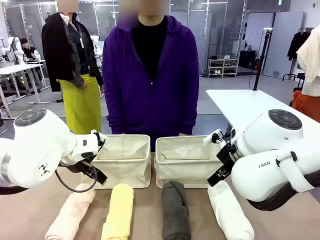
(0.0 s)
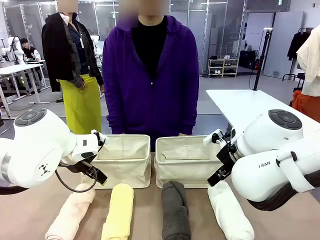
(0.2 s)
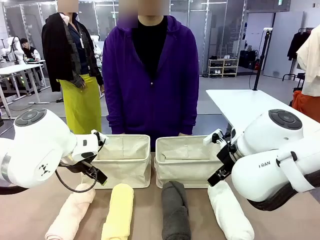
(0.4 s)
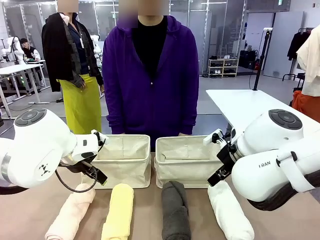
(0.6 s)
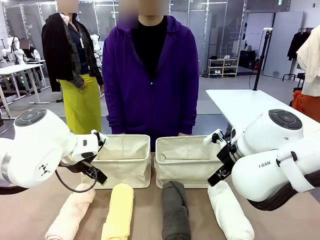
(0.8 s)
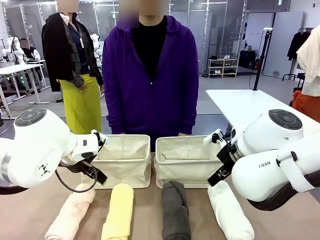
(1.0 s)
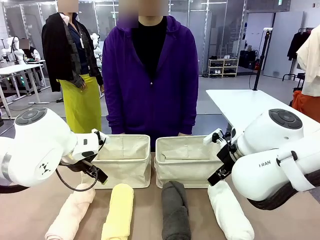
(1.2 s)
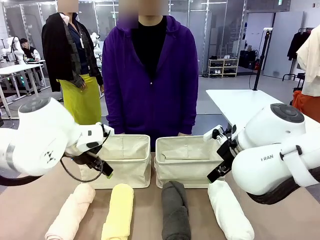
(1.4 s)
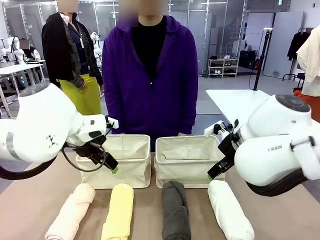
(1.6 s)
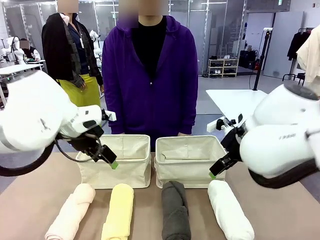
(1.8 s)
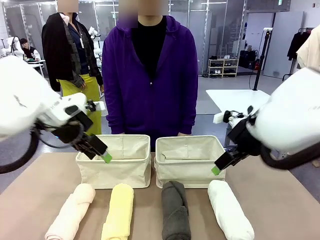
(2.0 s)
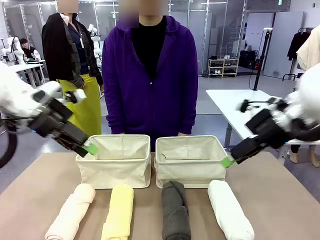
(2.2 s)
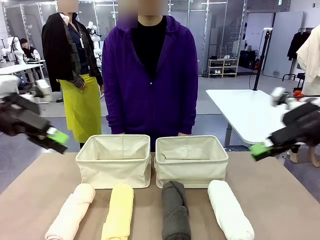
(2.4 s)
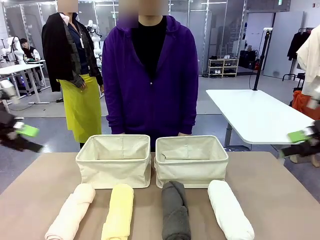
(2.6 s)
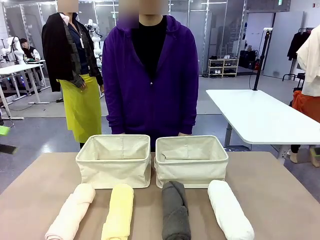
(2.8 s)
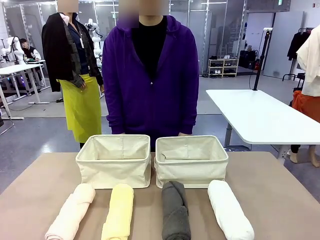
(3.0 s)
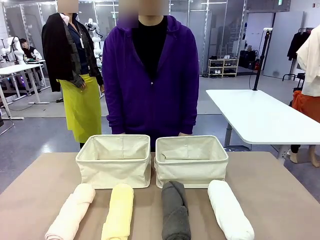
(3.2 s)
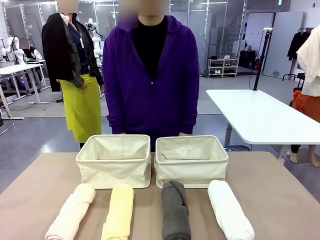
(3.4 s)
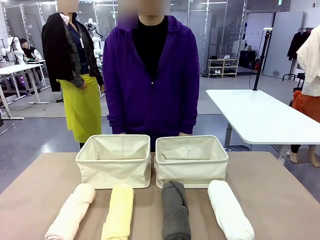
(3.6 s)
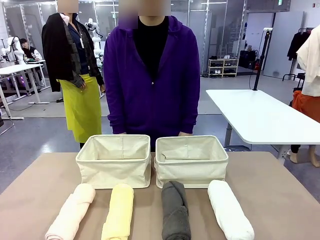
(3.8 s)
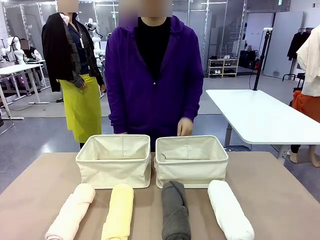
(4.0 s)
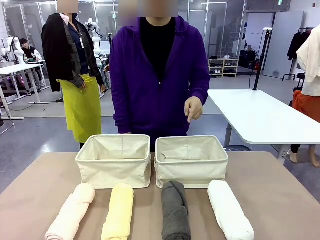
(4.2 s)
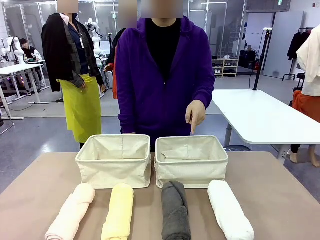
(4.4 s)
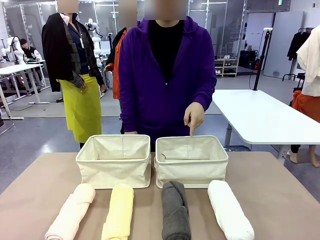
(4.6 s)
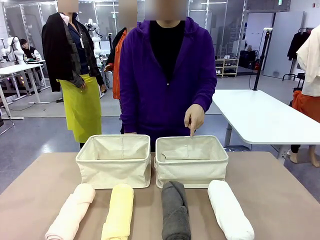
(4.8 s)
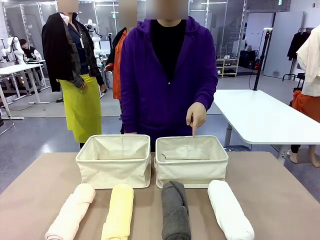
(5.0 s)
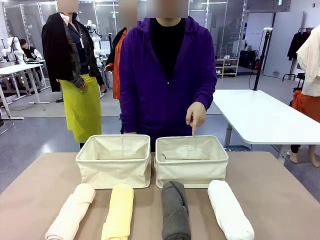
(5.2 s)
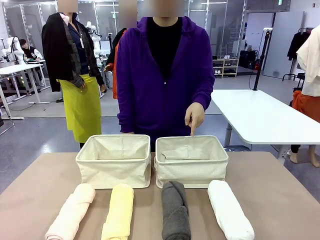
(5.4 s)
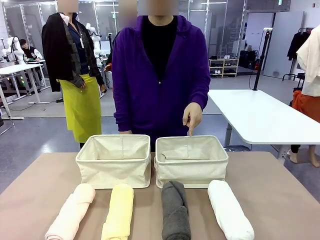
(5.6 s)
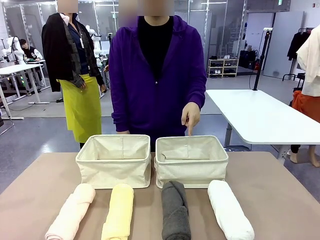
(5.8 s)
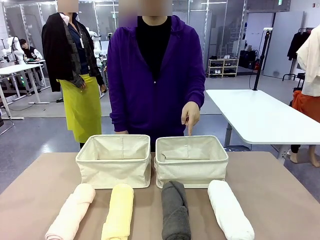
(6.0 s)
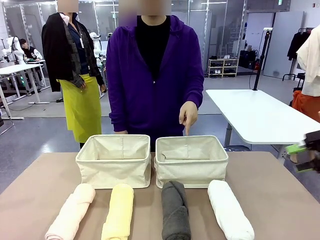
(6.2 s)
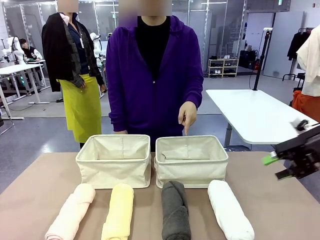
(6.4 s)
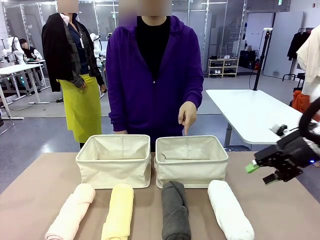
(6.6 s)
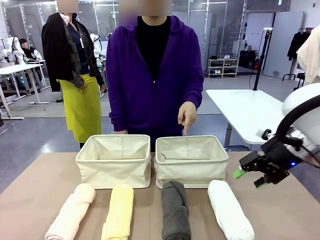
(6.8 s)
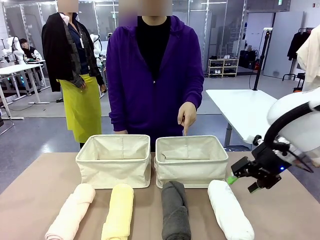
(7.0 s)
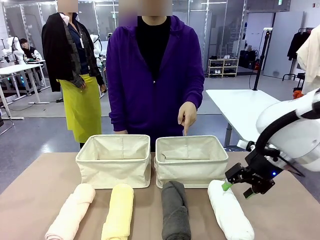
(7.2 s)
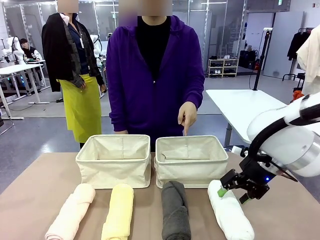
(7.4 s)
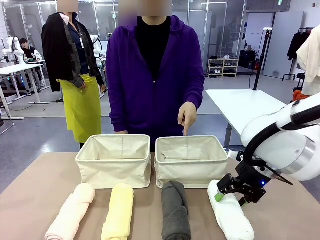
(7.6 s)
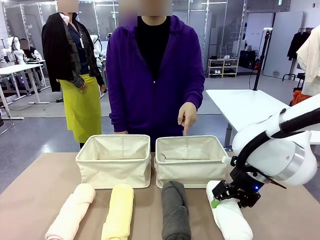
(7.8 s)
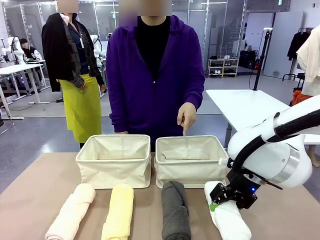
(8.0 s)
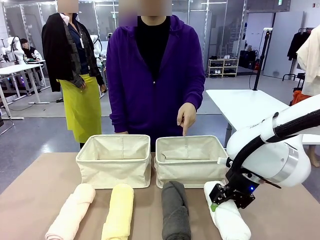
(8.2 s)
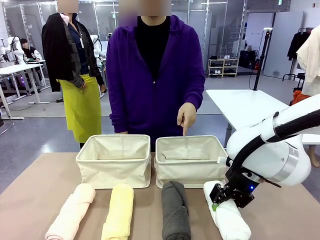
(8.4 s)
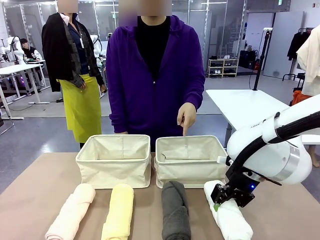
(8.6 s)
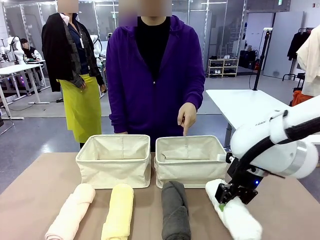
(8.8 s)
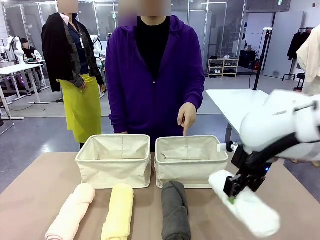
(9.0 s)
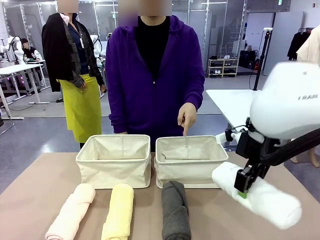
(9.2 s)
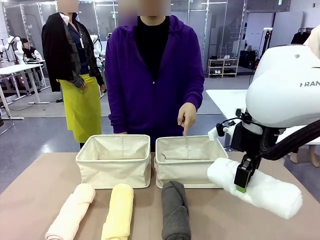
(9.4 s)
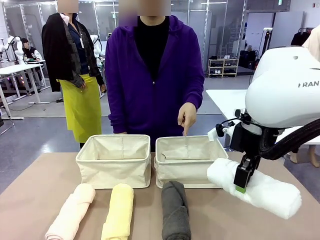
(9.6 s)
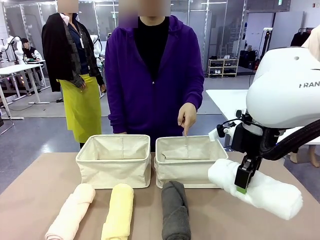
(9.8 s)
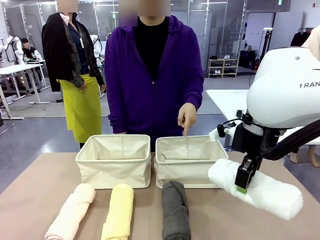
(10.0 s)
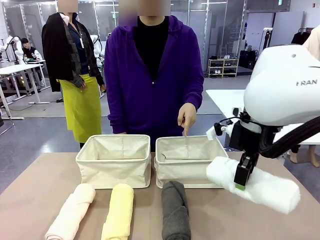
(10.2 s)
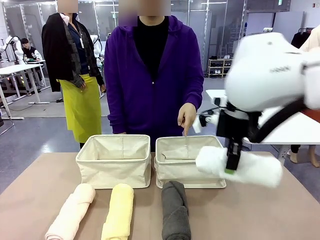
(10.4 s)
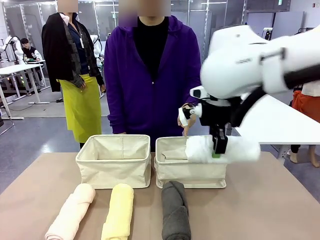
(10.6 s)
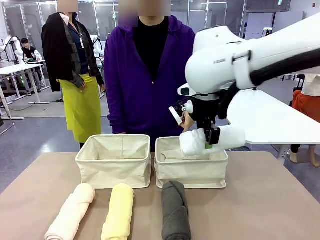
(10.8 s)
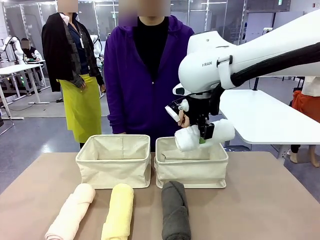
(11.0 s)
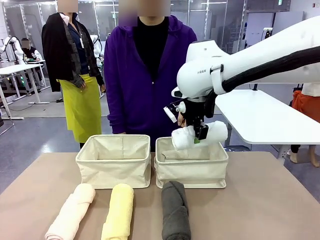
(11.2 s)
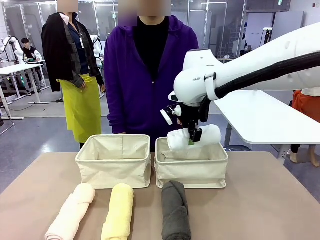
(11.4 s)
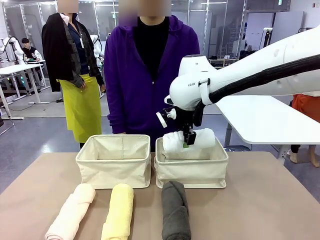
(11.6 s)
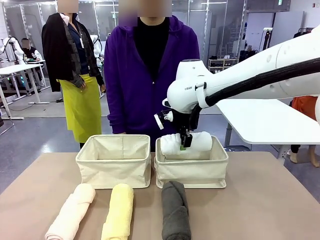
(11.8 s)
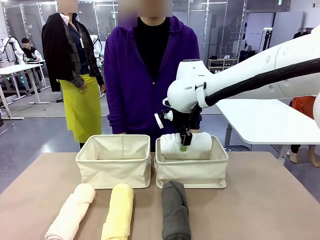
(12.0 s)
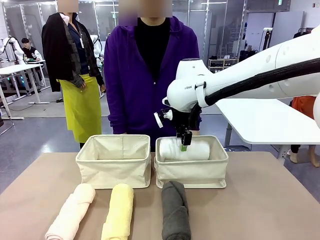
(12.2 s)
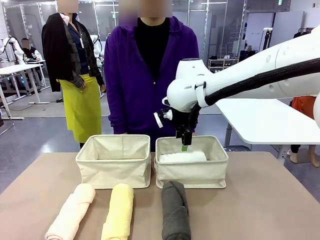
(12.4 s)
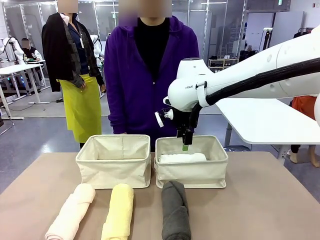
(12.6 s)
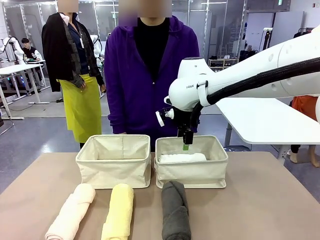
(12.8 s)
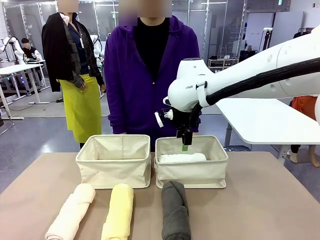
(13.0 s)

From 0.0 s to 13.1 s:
Task: Divide the towels into two baskets.
Robot: Pick up one hotel-folded towel and place it in the Fabric basket indicated by the person.
